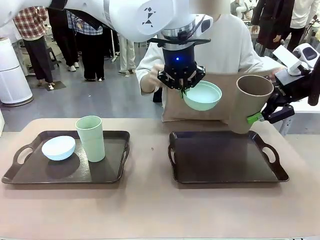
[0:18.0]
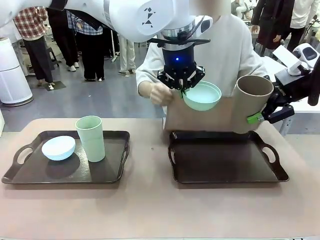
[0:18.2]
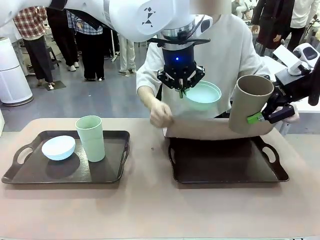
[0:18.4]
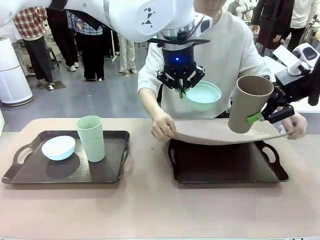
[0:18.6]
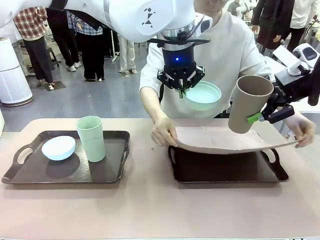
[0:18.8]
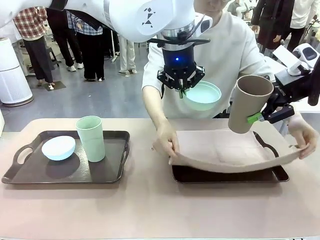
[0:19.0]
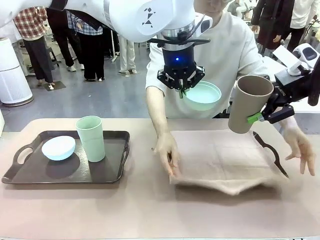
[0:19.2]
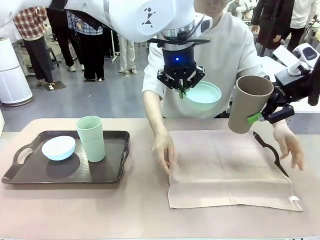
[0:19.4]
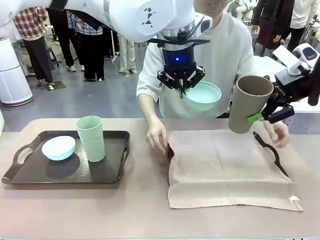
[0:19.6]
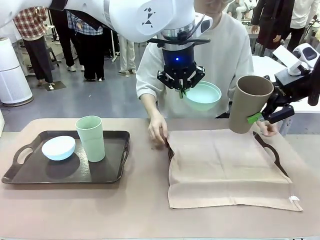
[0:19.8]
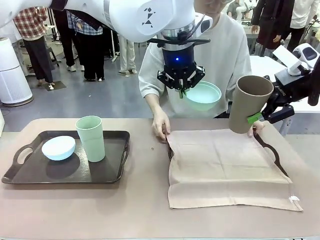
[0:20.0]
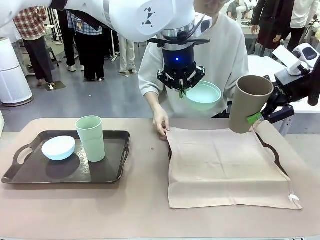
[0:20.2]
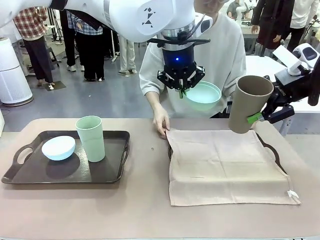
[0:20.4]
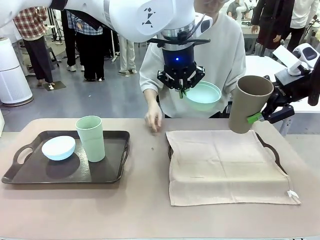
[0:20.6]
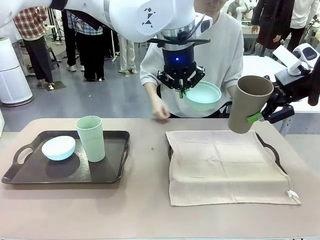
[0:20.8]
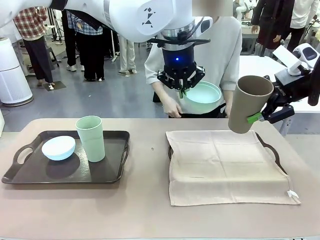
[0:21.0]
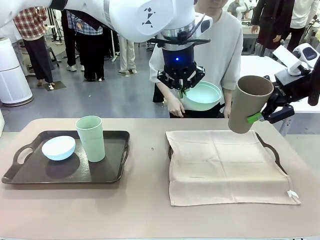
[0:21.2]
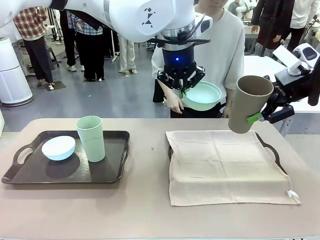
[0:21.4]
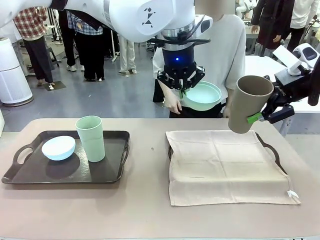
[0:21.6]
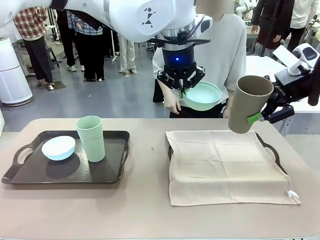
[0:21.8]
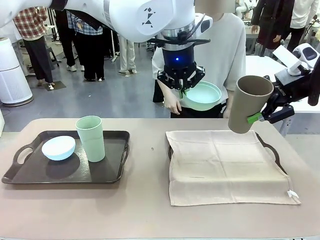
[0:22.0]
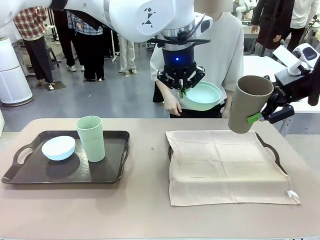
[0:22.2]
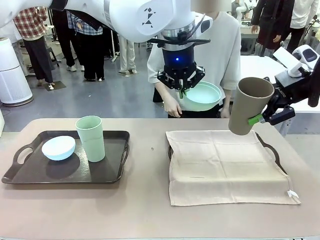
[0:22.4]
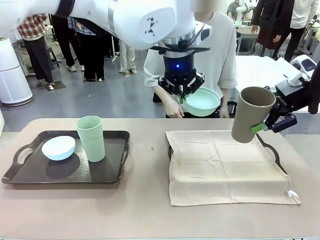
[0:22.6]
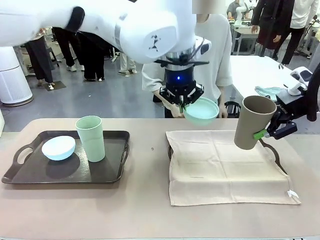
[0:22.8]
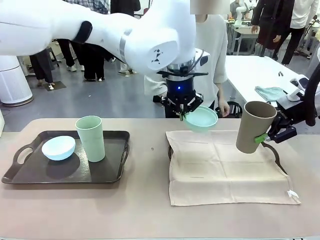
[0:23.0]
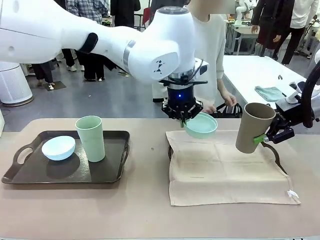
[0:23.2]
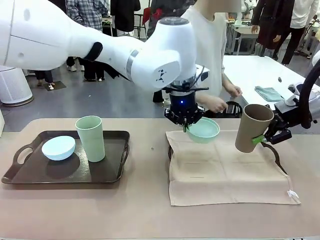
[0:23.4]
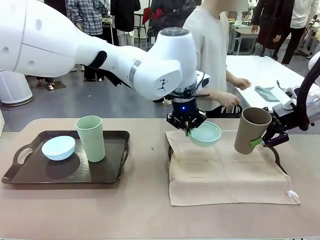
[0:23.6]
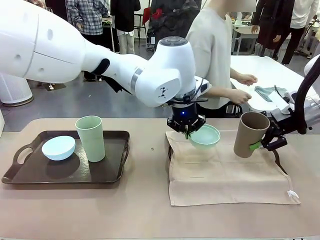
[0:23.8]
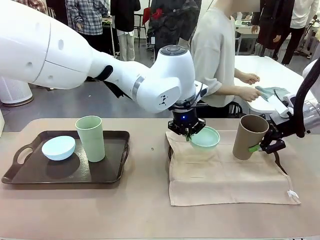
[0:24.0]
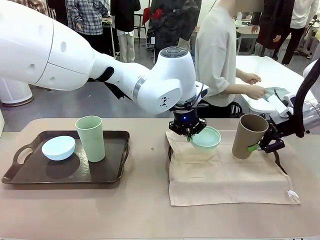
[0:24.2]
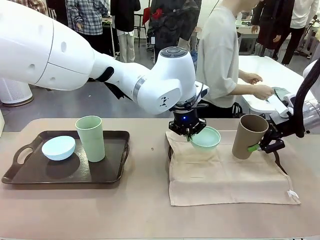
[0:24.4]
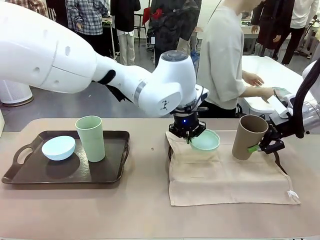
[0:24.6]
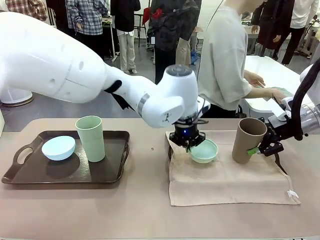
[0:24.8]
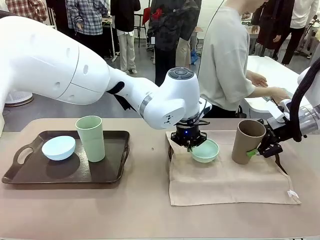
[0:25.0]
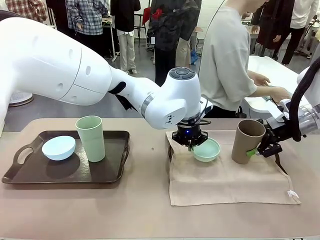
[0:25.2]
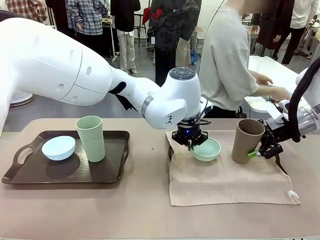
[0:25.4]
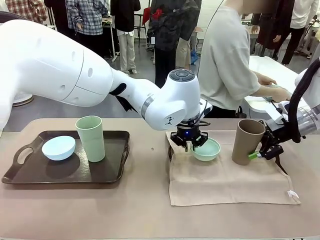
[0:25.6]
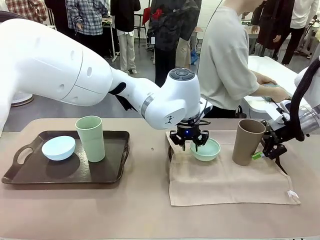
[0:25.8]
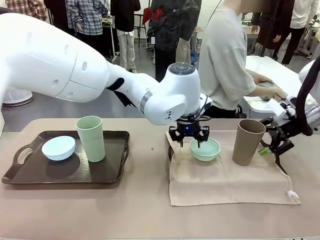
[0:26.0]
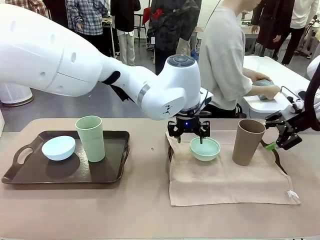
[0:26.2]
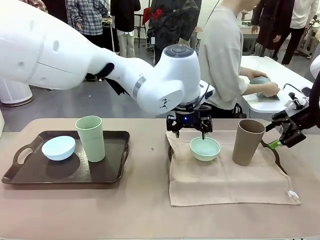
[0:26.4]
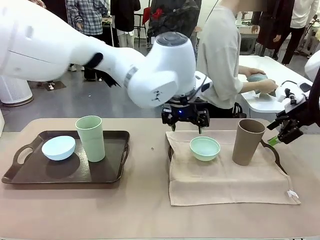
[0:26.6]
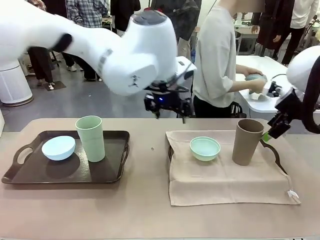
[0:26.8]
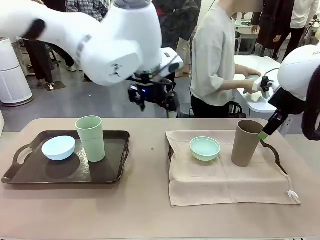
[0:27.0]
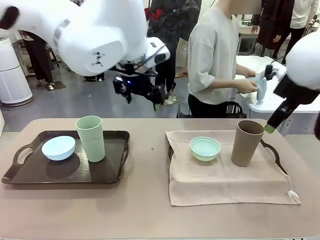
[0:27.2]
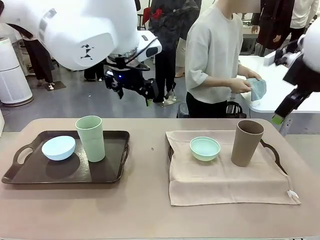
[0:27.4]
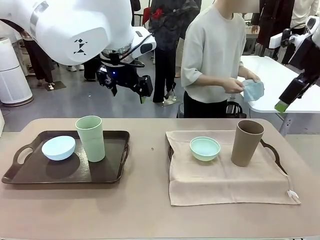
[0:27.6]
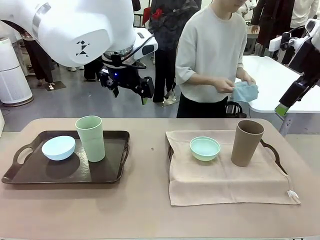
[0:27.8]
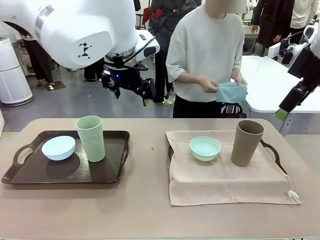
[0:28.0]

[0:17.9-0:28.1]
Robot: Place the Picnic Bowl and Reusable plastic cup back onto the Handle tray in front of the human's position.
Person: The human returns to the human table to pick up another napkin and walks to the robot table to stand in front of the tray without a napkin.
